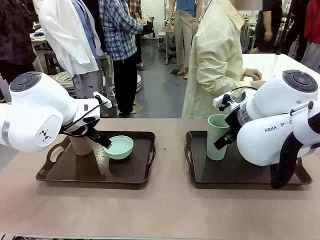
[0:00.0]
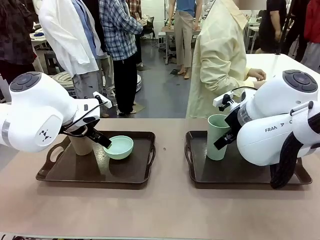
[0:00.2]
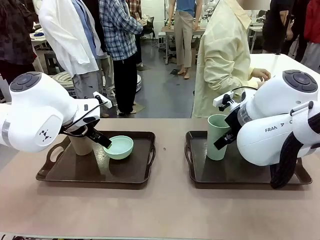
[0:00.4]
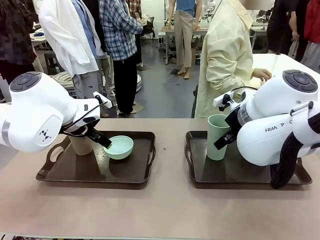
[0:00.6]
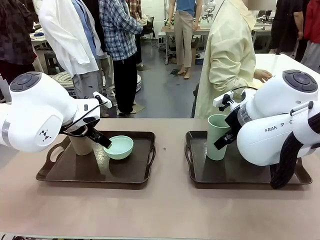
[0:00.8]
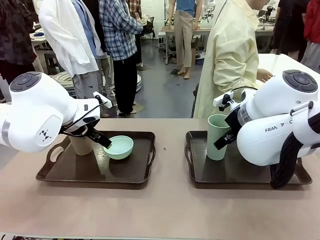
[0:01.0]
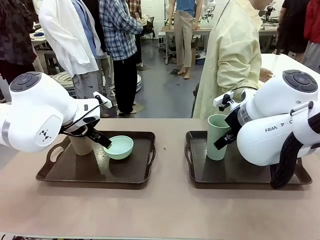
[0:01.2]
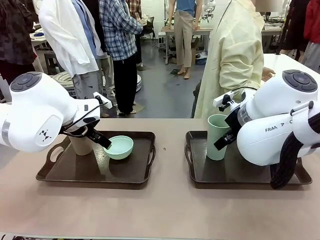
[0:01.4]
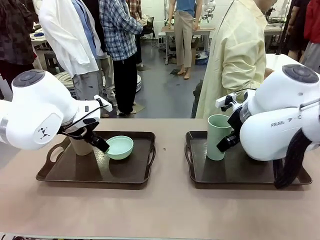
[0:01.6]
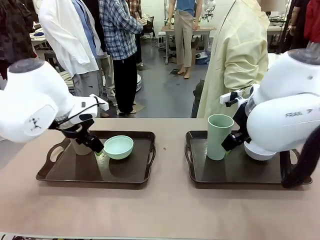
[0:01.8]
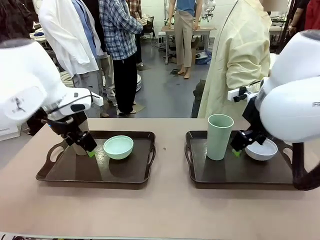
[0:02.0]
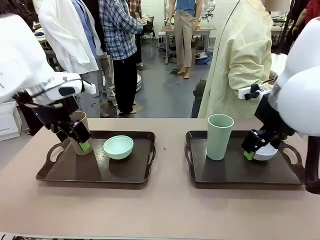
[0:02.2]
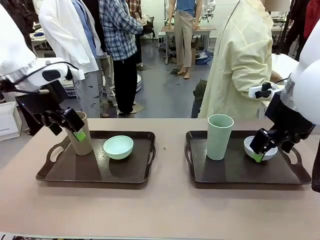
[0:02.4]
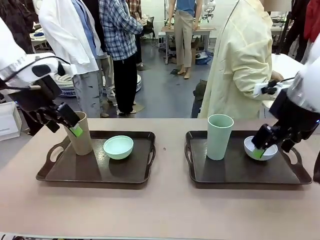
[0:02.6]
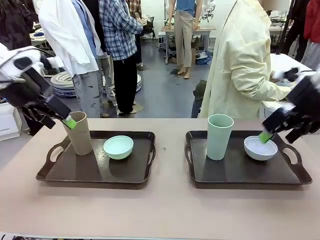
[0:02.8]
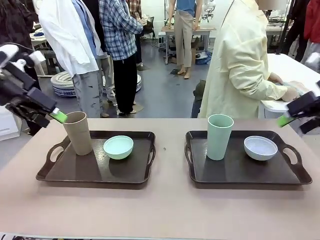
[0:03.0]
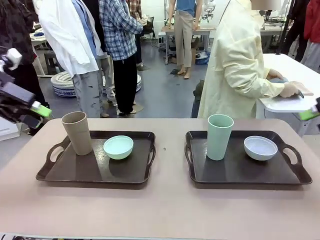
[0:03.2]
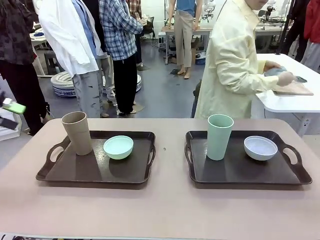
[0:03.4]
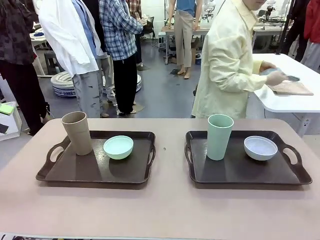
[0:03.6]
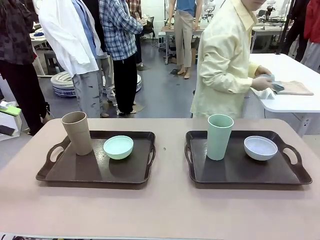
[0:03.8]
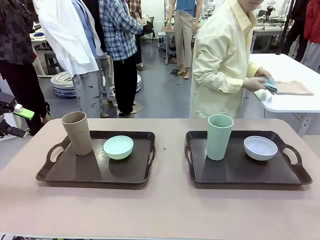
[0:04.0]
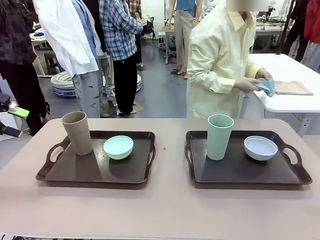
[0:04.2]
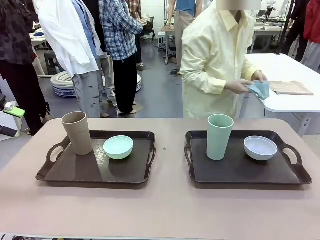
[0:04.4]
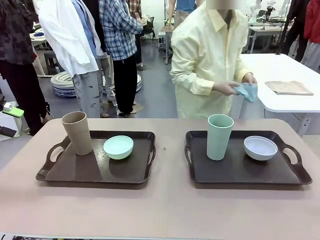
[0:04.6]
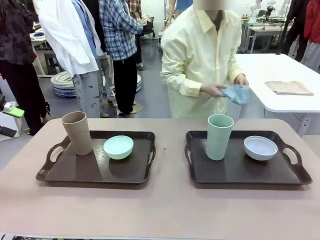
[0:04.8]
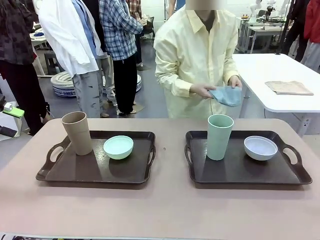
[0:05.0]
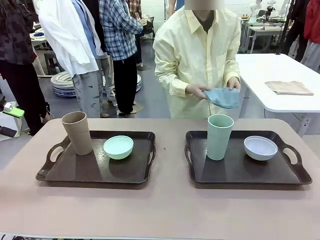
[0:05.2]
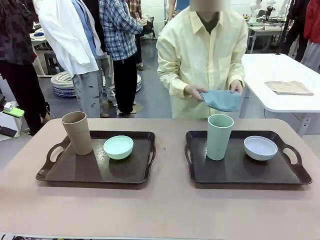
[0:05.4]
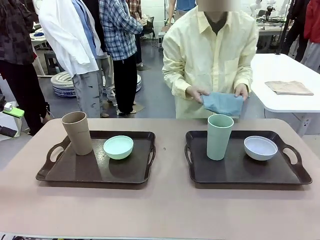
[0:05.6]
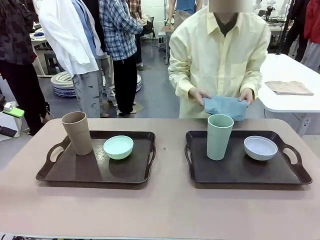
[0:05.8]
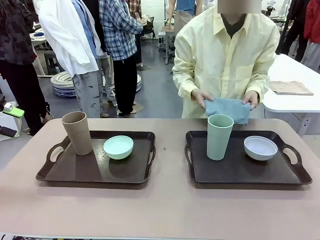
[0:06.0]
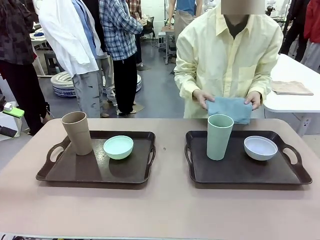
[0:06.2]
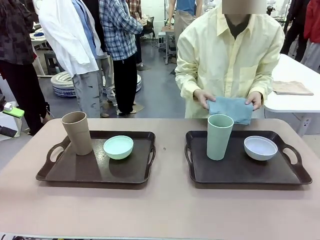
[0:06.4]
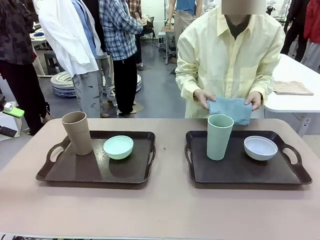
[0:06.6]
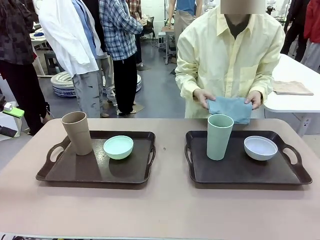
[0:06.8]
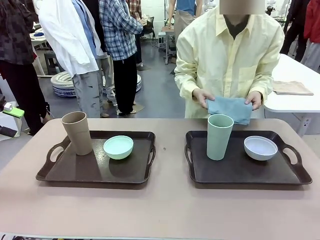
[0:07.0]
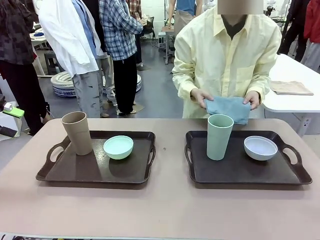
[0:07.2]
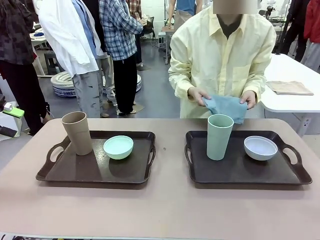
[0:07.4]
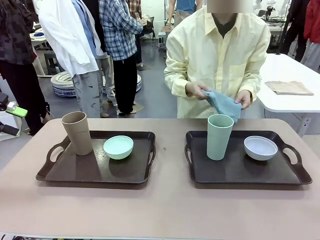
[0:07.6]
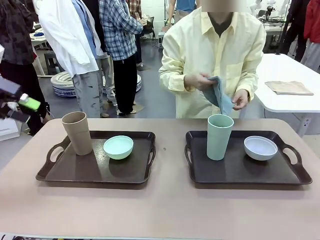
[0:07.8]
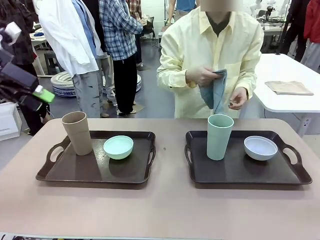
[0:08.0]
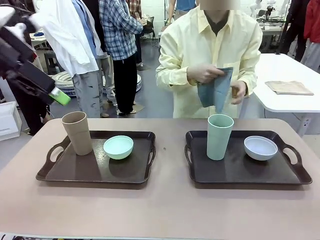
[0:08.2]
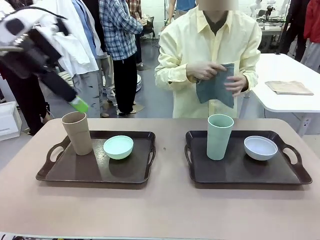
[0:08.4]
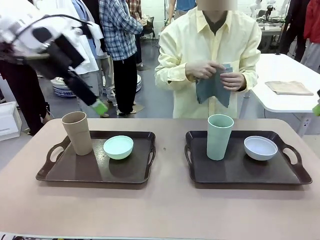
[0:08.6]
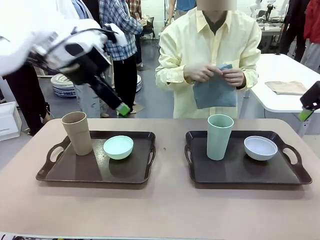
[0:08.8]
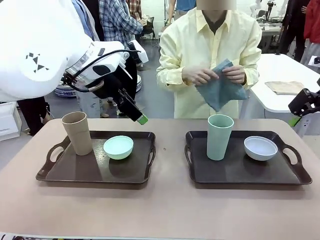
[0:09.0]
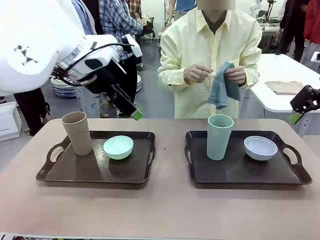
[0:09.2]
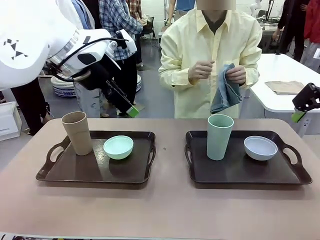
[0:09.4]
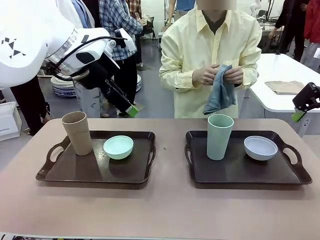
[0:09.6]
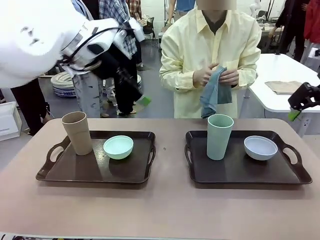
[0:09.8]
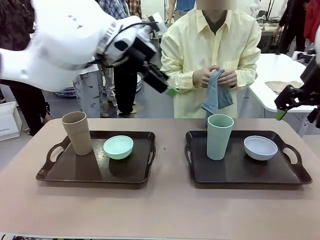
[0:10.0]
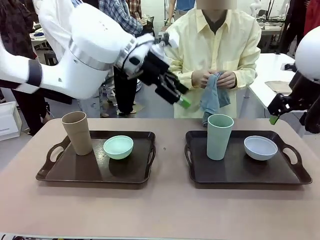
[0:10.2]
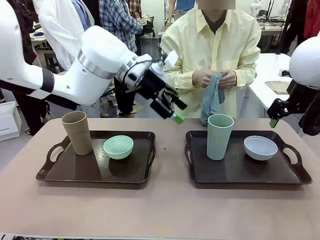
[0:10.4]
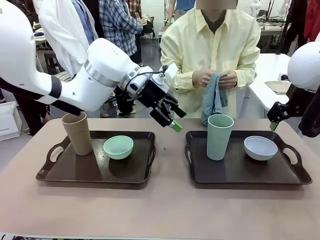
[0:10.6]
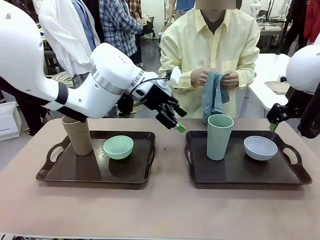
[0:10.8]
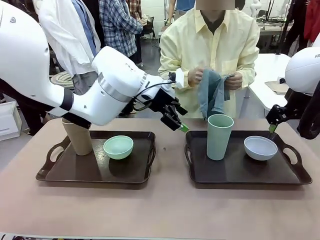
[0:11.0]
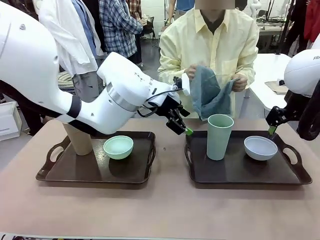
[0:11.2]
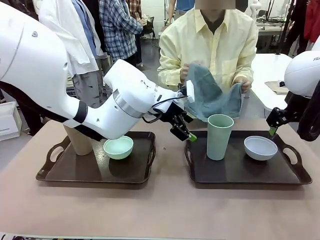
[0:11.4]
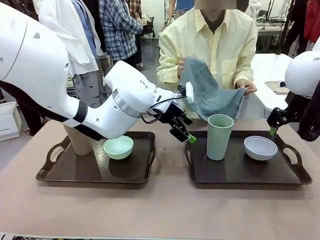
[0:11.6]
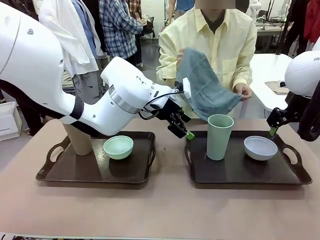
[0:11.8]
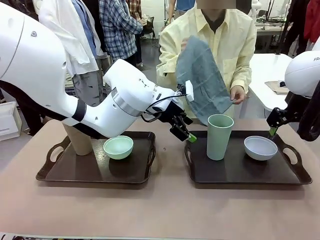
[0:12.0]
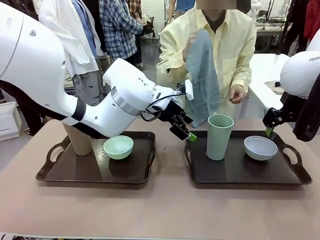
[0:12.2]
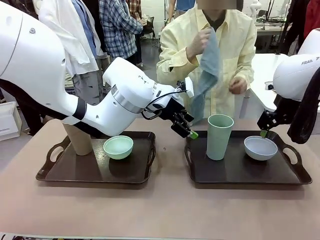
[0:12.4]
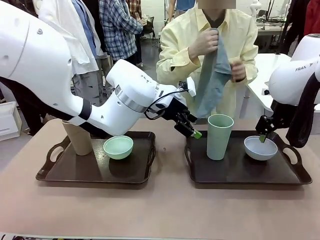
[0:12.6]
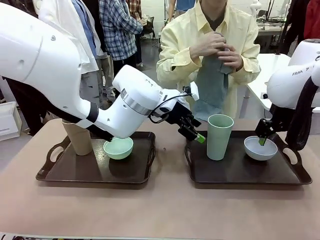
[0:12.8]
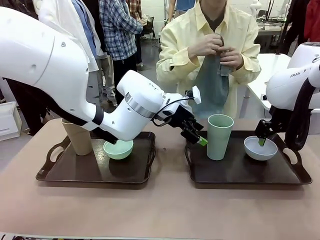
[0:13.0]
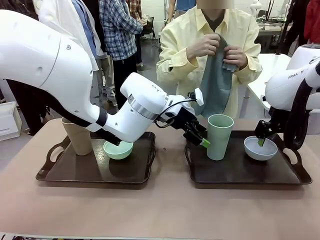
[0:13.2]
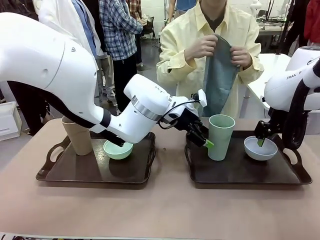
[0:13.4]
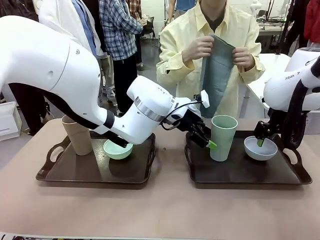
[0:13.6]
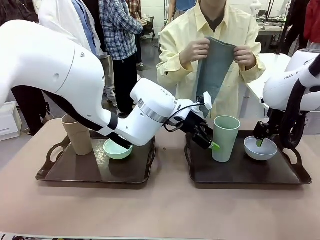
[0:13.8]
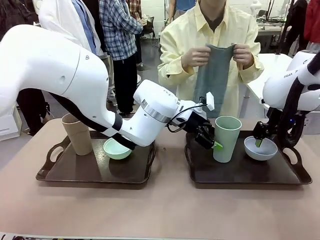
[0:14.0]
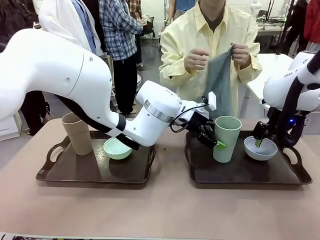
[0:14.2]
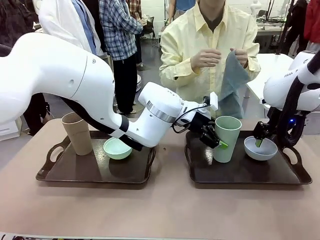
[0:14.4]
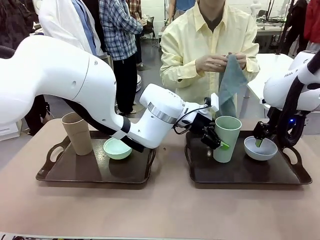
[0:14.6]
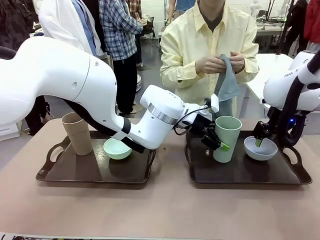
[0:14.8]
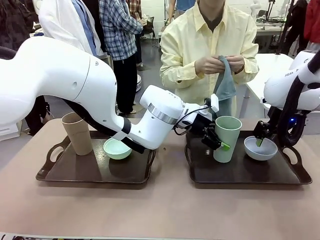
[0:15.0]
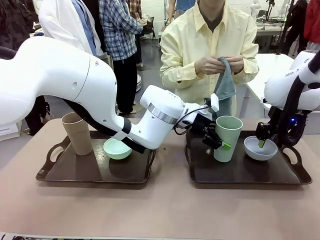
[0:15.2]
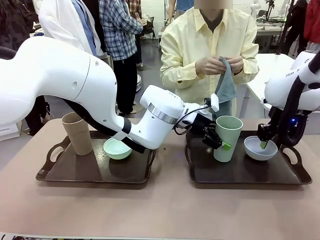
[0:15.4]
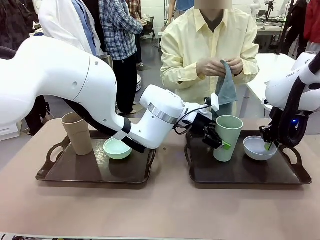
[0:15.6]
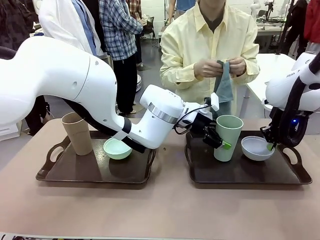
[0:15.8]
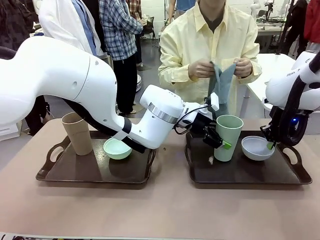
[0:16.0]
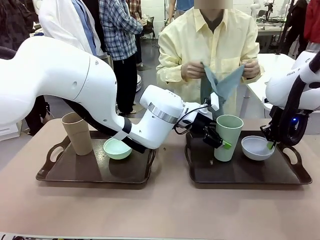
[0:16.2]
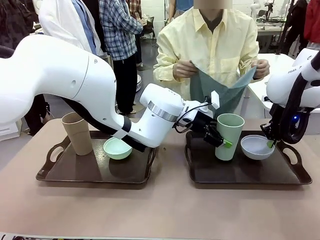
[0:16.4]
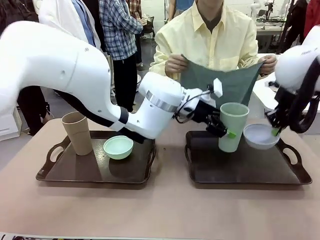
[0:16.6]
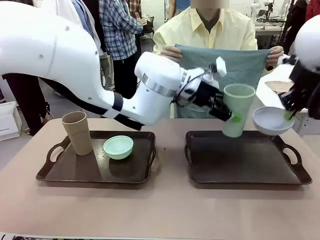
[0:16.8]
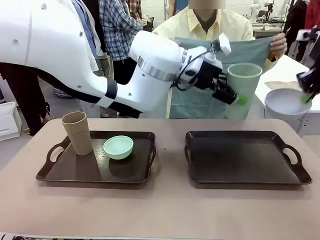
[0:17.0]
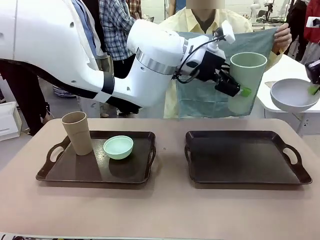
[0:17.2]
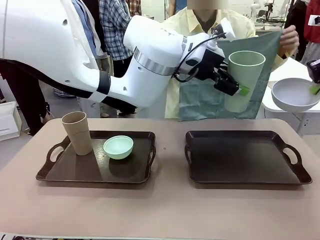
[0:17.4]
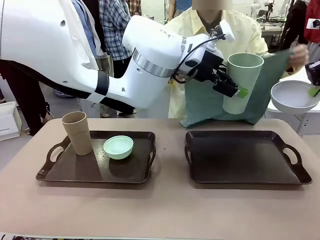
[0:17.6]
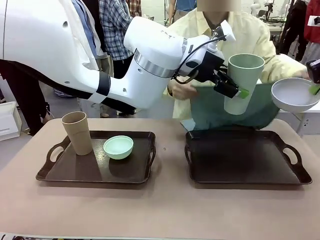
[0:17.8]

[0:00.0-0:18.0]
Robot: Pick up the Picnic Bowl and Reusable plastic cup from the Handle tray in front of the human's position and hold them in the air.
Person: The human picks up the top napkin from the stack on the human table and walks to the robot table to stand in front of one of the two trays. When the robot lifts the bowl and the cup, the human unfolds the napkin and lays the napkin flat on the tray.
